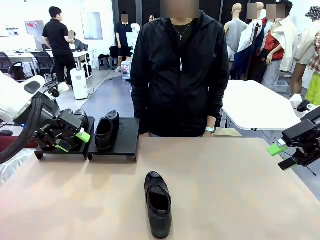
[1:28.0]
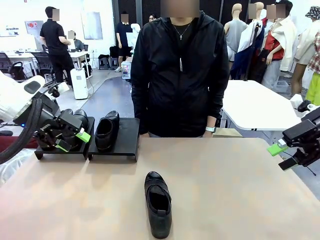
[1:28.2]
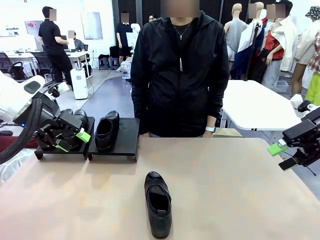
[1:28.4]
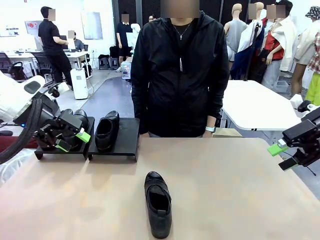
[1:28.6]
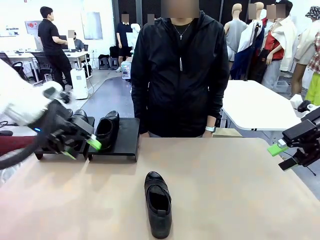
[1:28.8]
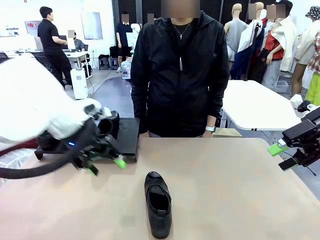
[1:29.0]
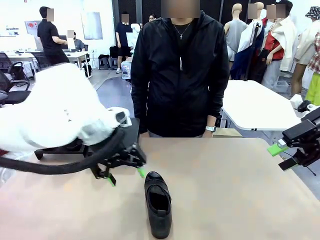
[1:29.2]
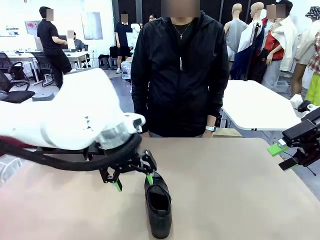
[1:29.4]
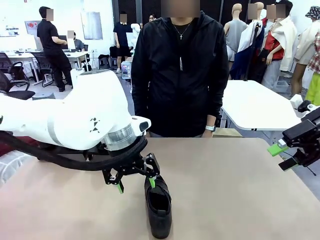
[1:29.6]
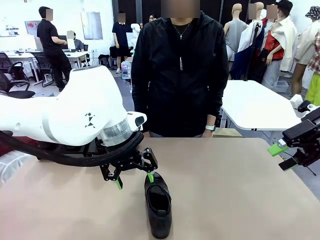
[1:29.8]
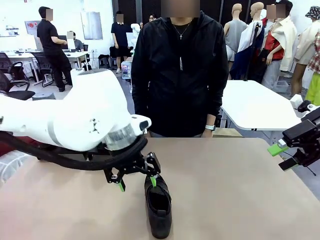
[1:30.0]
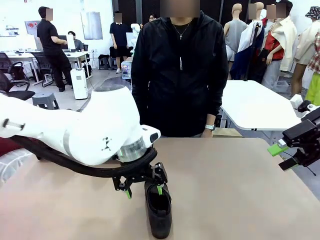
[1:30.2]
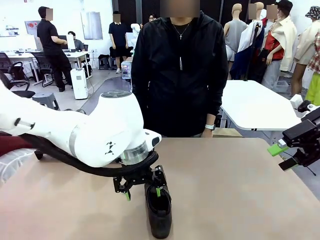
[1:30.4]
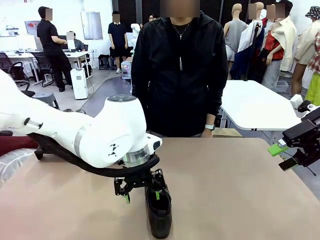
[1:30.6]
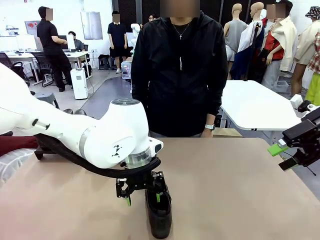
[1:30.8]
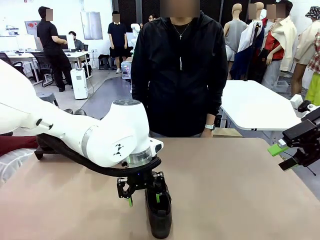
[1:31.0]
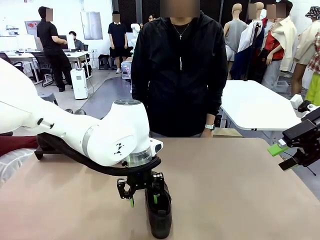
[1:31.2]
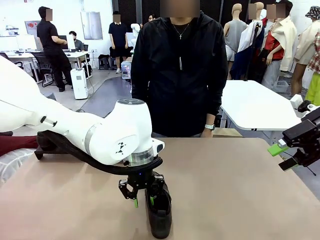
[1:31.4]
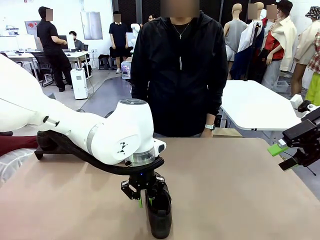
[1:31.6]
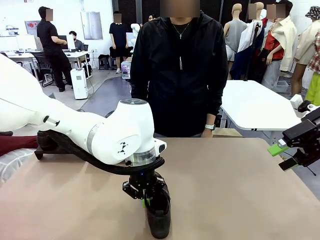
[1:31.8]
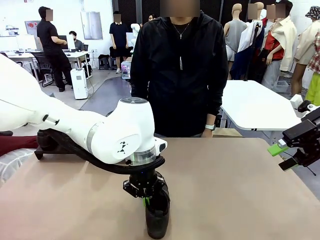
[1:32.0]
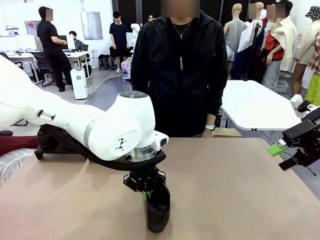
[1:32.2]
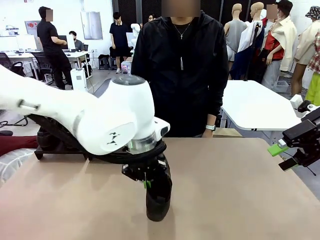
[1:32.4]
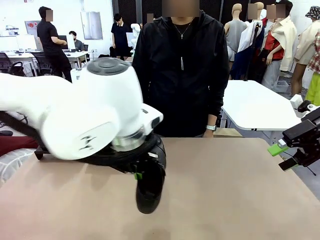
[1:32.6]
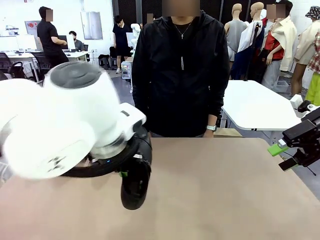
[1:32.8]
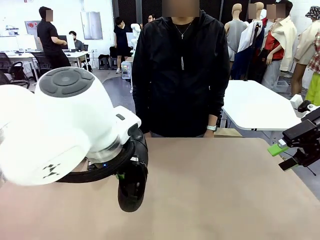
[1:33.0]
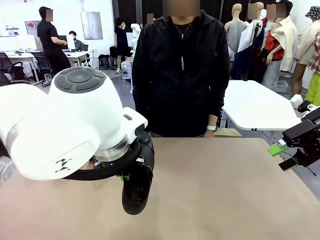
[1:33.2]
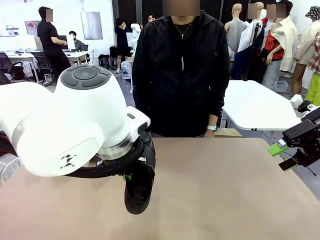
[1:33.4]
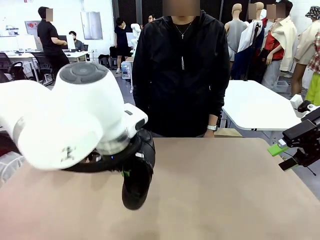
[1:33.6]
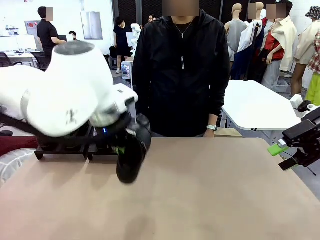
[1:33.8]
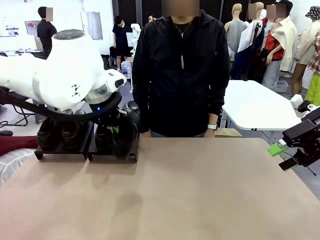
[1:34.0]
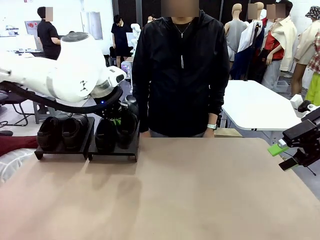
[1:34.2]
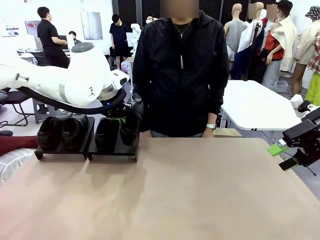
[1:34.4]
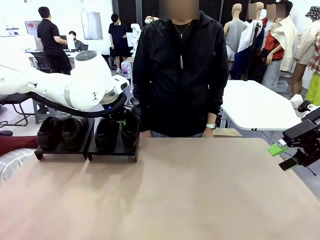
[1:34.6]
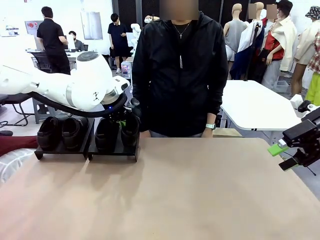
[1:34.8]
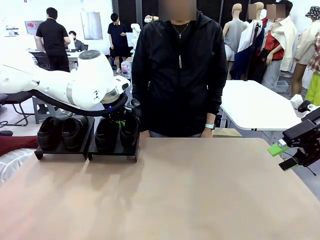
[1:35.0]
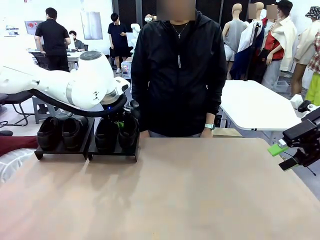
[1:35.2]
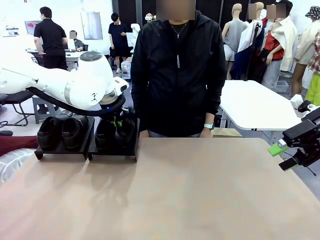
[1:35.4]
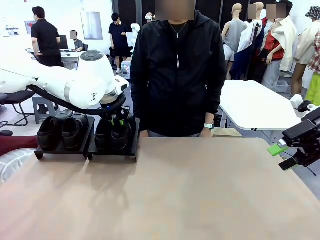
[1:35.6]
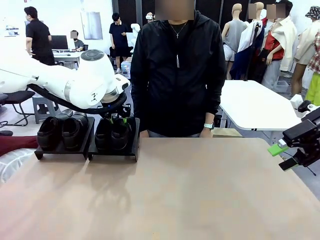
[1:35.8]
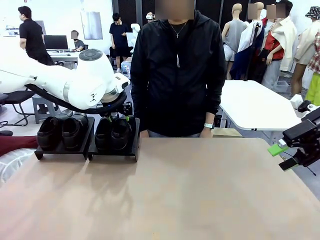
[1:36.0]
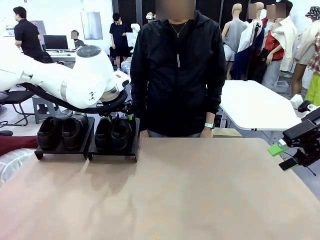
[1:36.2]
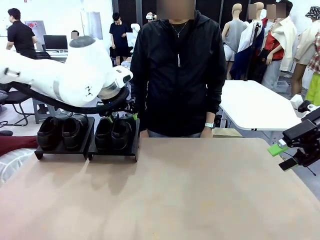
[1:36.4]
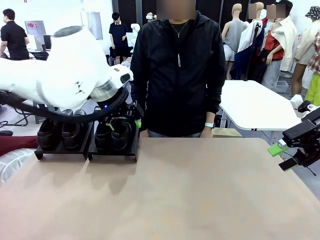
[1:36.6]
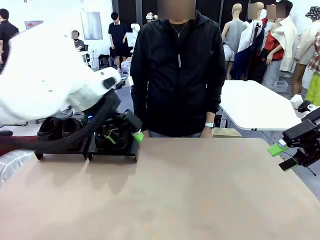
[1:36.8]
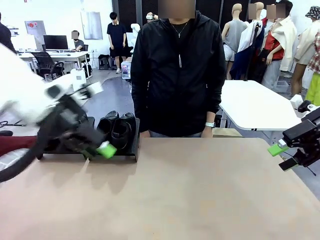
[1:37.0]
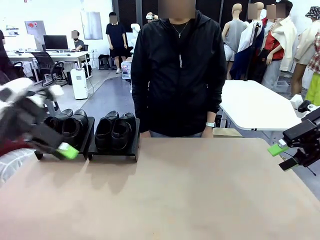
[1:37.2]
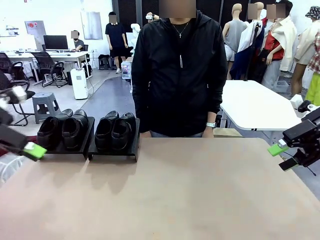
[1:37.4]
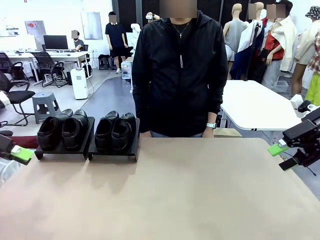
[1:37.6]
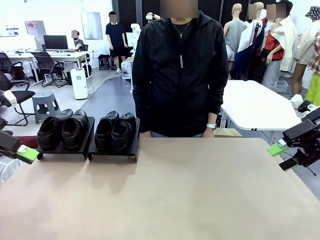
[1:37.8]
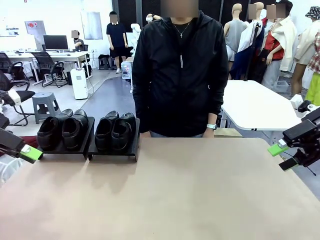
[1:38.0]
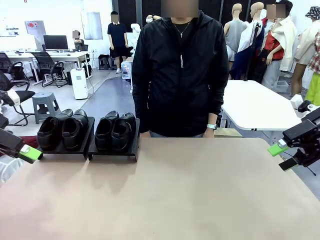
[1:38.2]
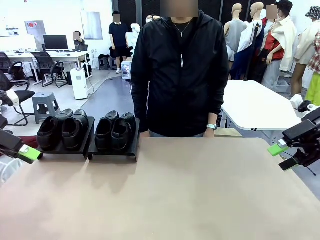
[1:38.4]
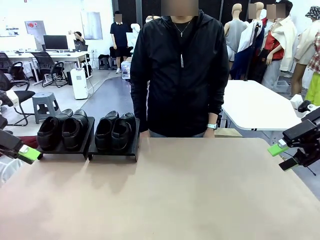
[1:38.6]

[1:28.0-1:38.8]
Task: Organize the shoes by placing them on the stand.
Robot: Place the Shoe from the middle of the table onto the Shoes Stand.

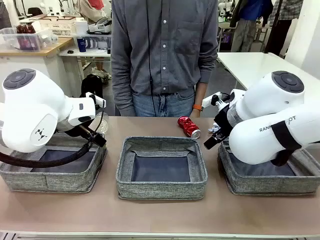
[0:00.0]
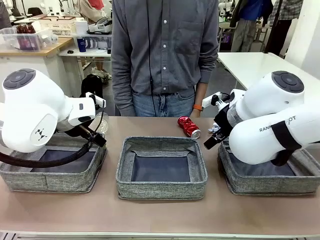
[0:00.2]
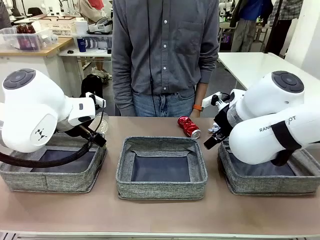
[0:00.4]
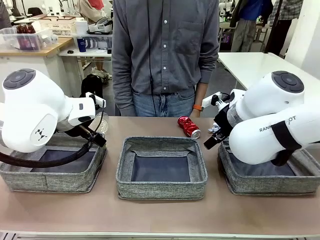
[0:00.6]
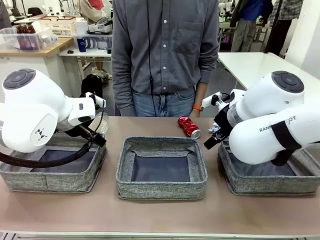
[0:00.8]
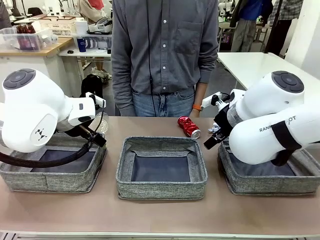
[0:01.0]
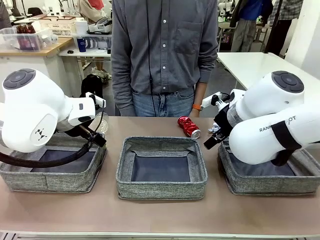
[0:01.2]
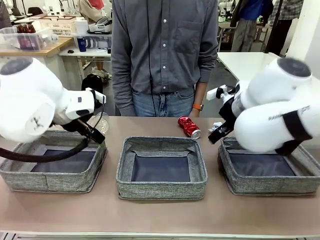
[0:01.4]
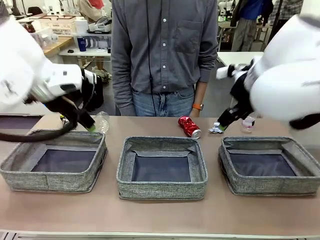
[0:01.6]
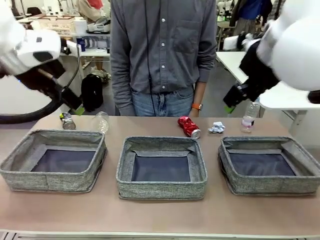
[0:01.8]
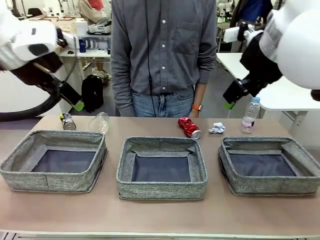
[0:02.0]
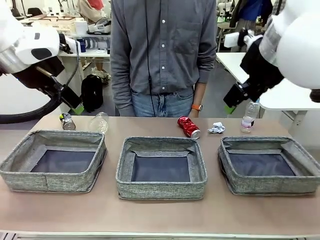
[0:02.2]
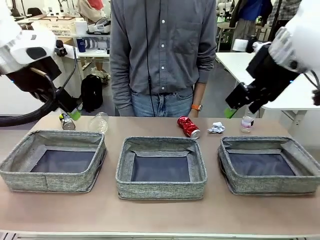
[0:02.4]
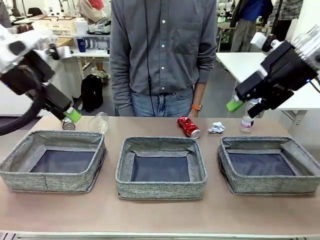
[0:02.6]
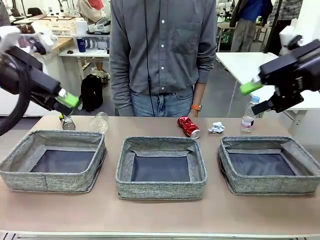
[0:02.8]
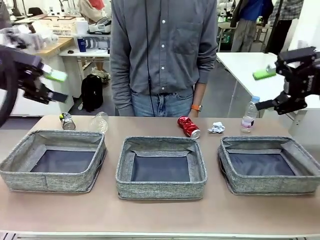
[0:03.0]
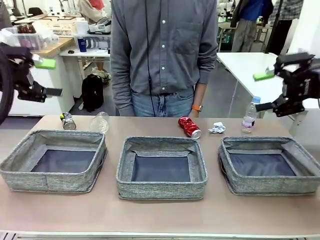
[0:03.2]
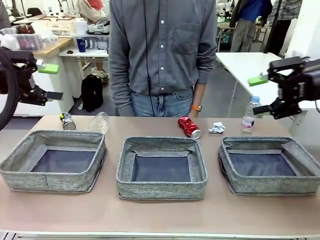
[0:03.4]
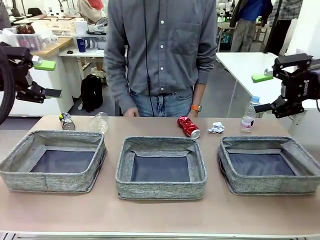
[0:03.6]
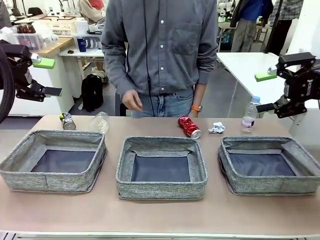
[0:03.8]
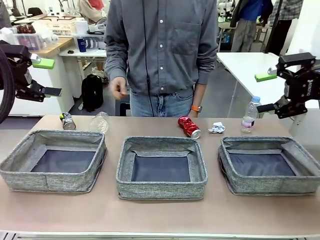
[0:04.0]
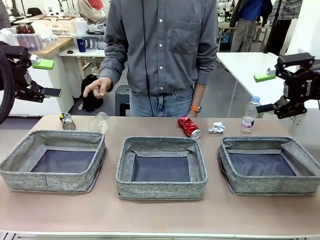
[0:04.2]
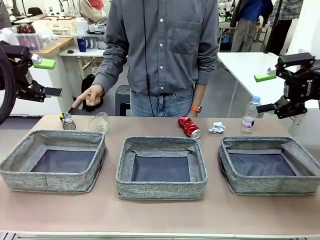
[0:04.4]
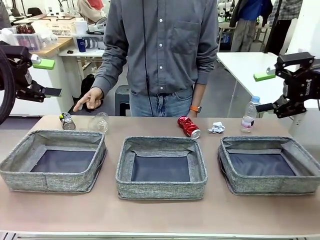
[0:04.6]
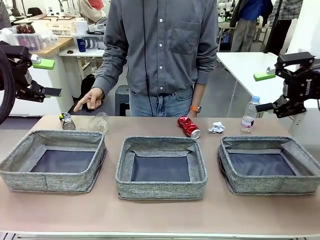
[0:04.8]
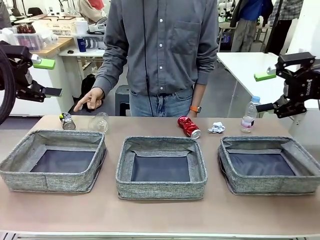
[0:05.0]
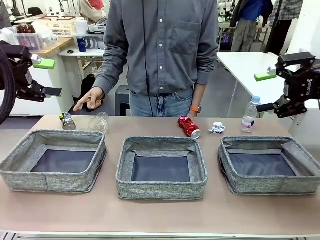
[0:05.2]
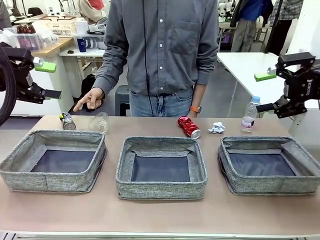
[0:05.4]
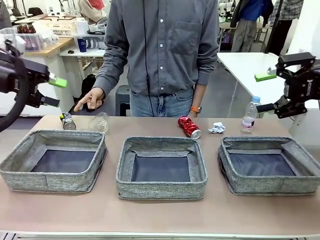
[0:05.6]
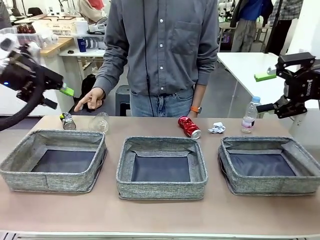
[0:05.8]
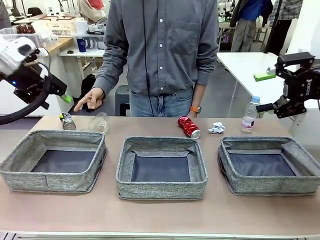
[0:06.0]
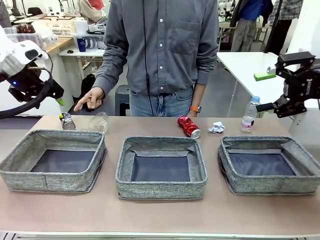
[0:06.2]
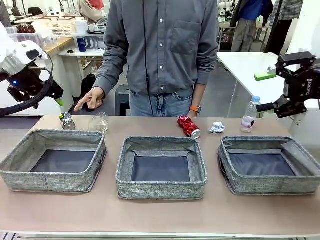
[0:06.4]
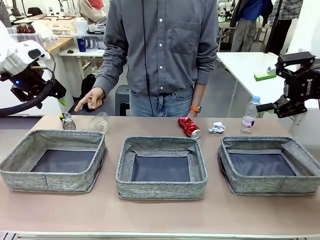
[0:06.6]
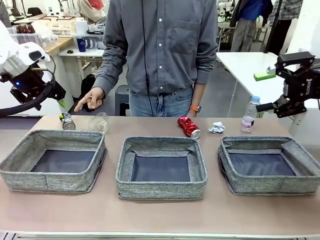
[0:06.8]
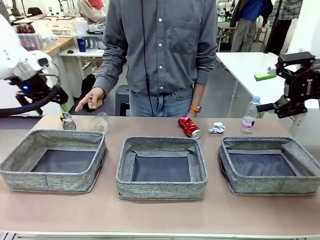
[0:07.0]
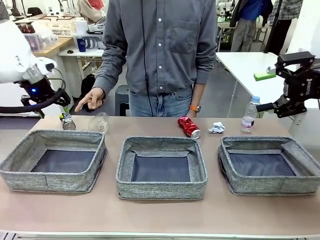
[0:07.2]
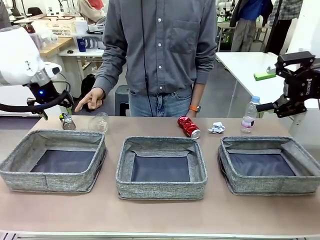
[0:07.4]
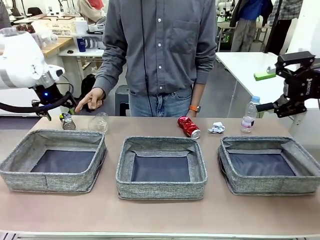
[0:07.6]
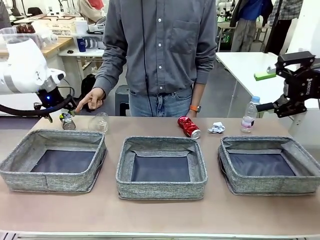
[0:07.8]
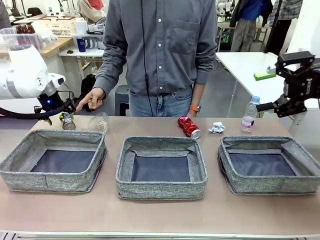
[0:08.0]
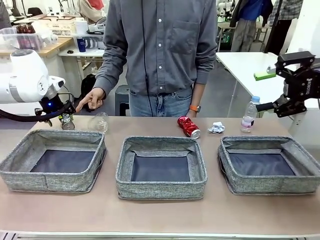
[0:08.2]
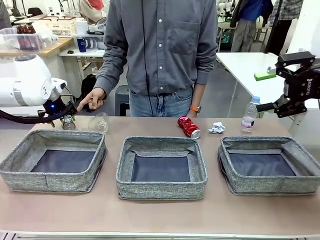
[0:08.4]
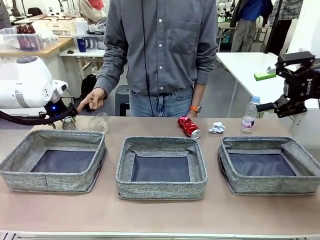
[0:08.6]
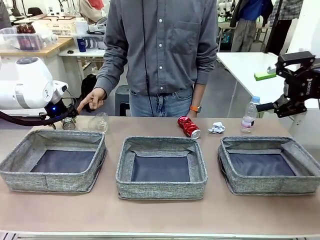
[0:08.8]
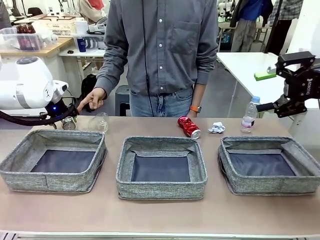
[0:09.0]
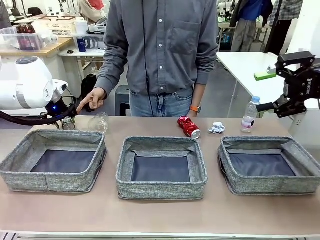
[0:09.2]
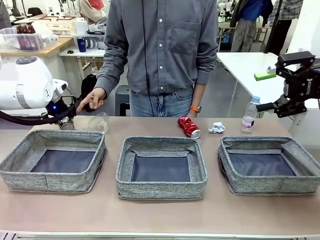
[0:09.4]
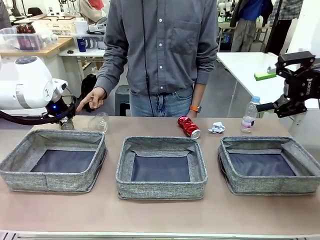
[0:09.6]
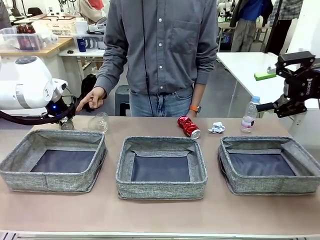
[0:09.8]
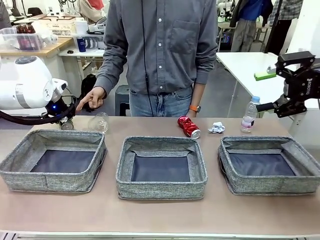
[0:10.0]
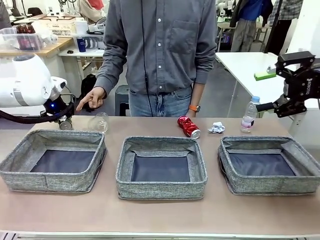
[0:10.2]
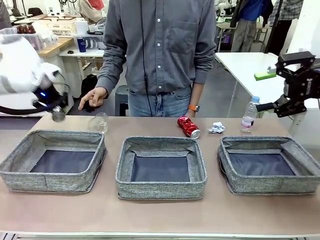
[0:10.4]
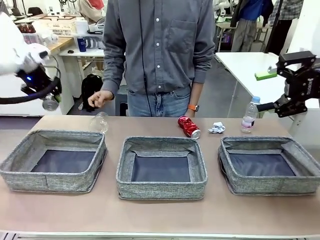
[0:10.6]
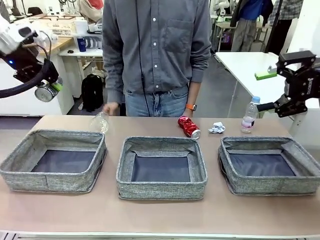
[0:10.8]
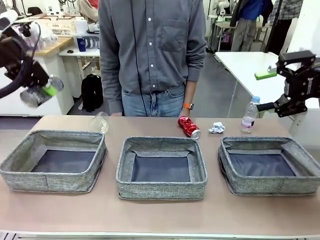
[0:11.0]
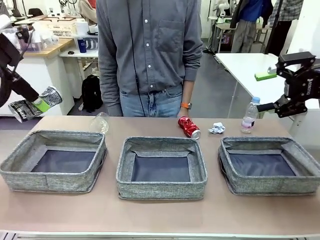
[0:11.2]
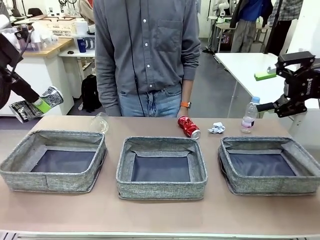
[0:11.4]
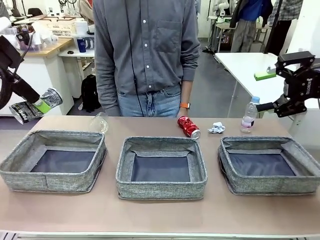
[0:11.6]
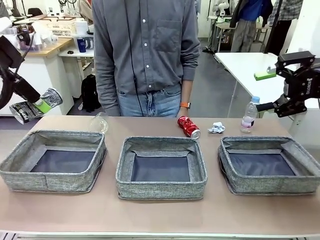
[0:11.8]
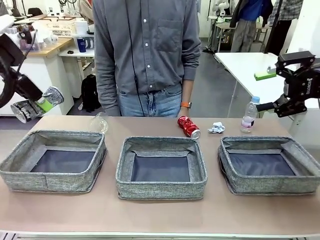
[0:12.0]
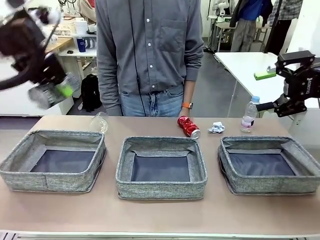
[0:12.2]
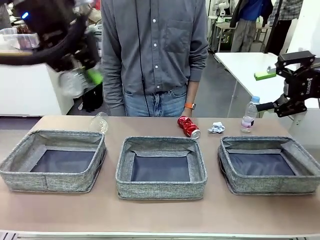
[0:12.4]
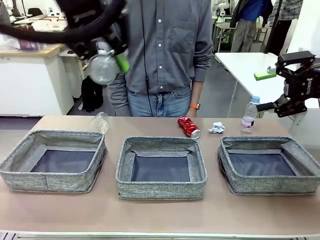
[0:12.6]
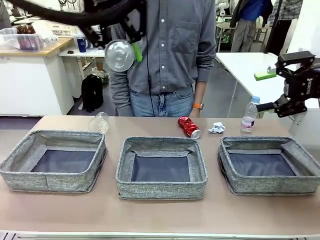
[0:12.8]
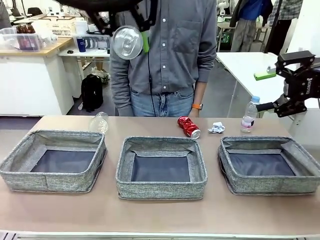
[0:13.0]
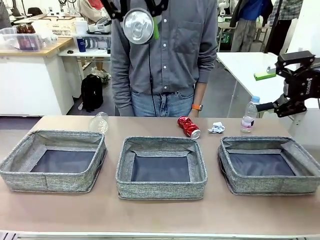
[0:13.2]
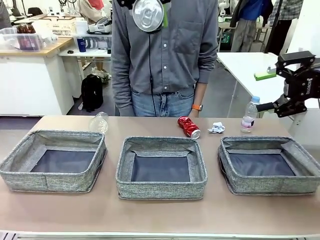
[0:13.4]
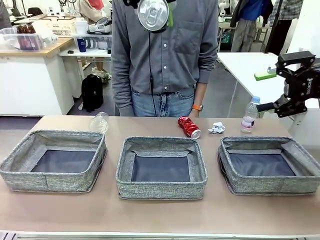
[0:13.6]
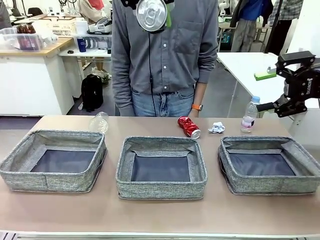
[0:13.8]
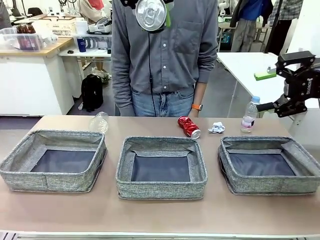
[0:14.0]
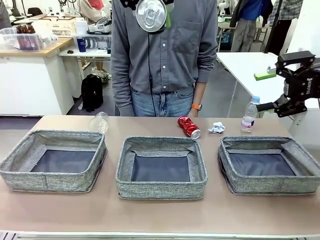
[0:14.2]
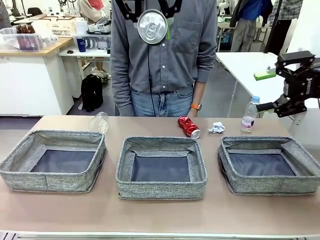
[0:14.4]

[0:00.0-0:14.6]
Task: Sort the waste into the appropriate baskets.
Robot: Pick up the waste item pointed out by the person.
Person: Points to one piece of trash on the table.
